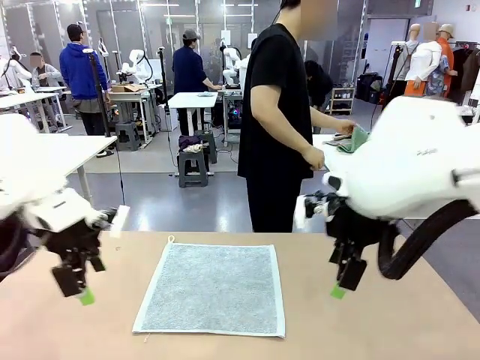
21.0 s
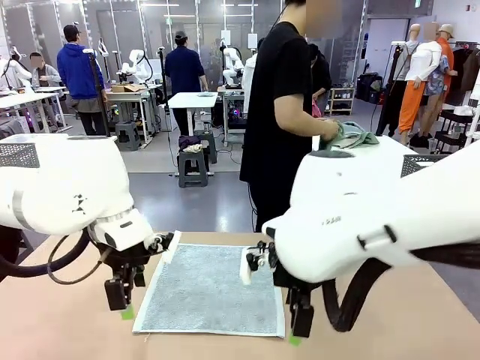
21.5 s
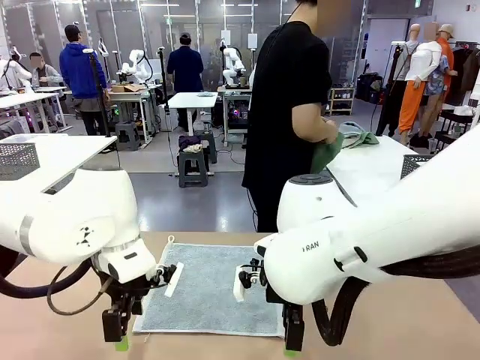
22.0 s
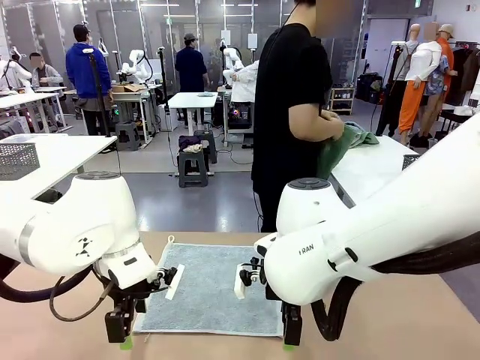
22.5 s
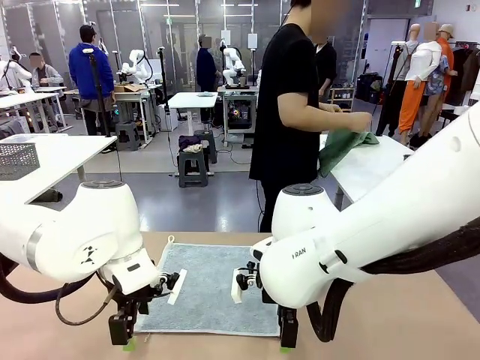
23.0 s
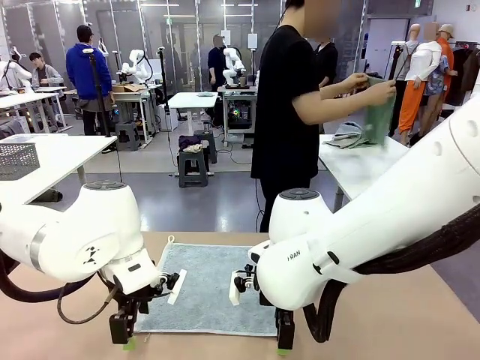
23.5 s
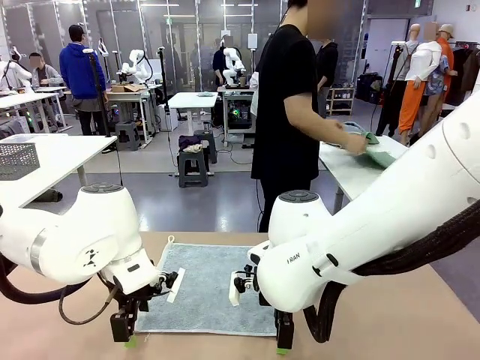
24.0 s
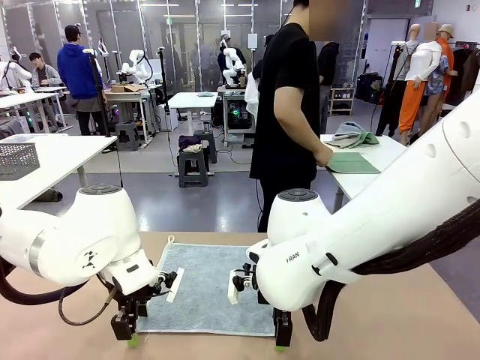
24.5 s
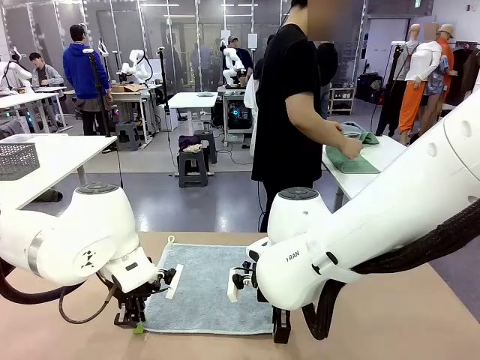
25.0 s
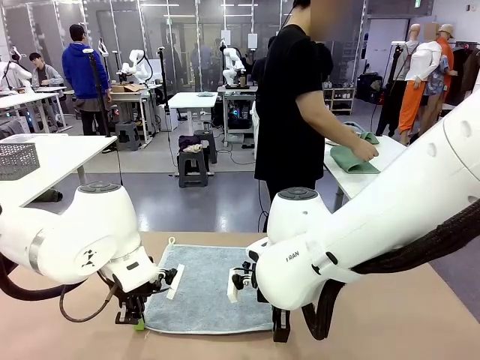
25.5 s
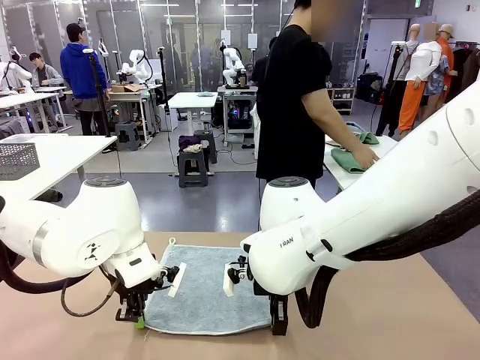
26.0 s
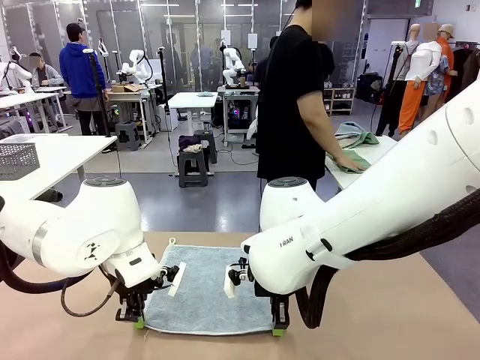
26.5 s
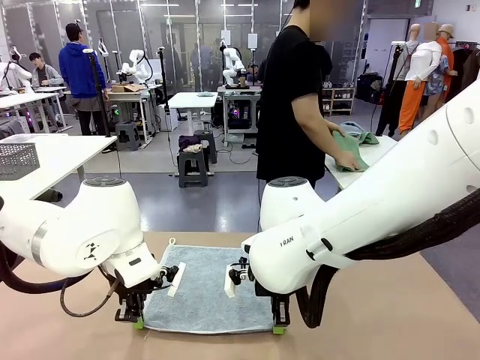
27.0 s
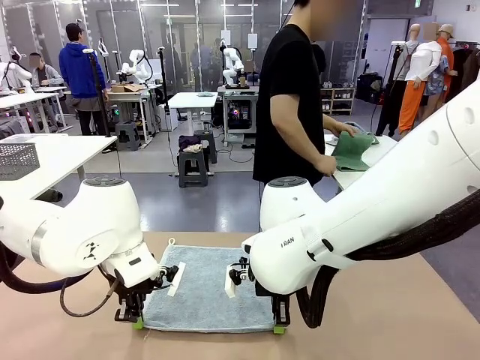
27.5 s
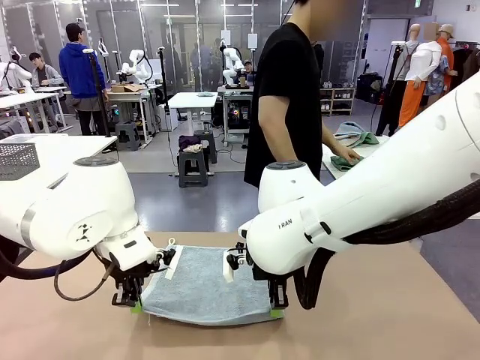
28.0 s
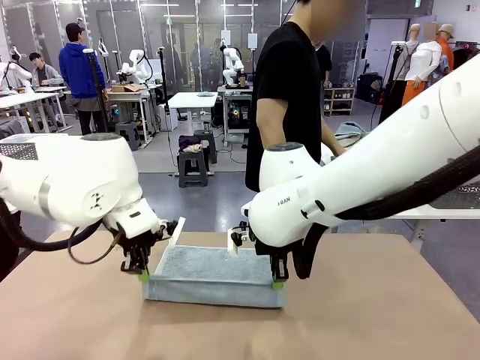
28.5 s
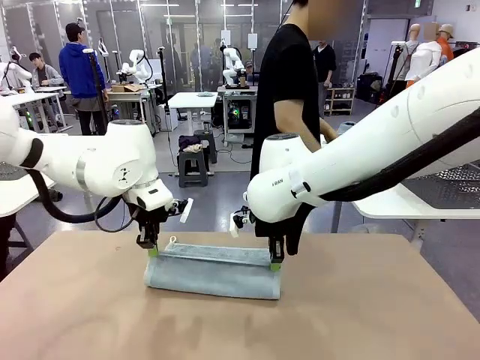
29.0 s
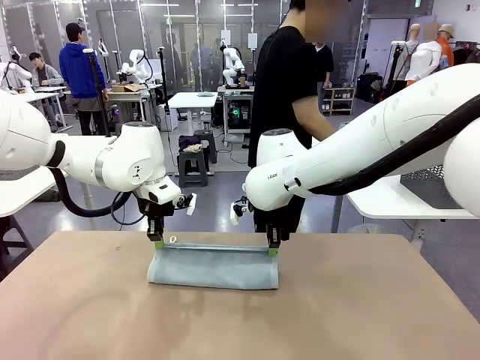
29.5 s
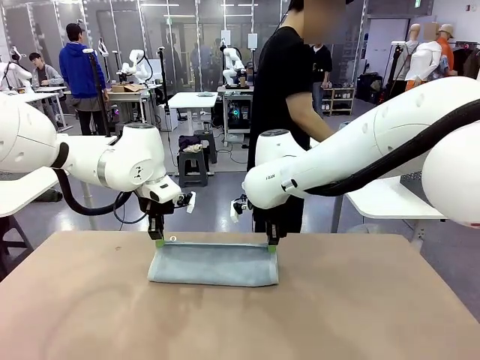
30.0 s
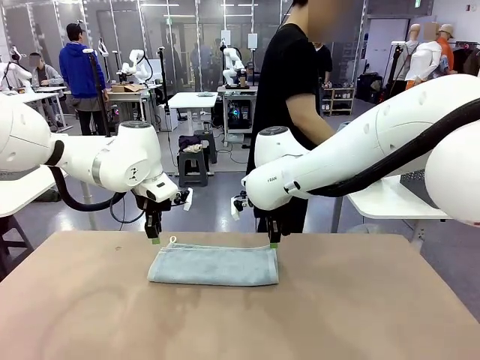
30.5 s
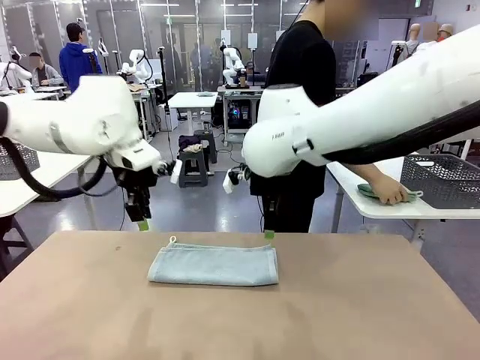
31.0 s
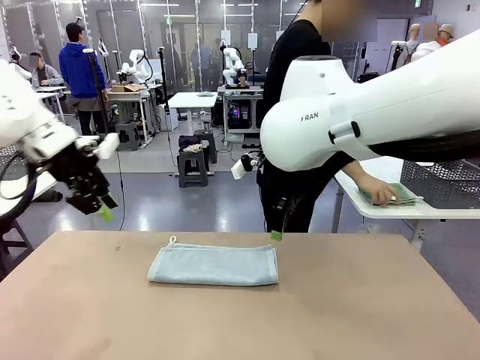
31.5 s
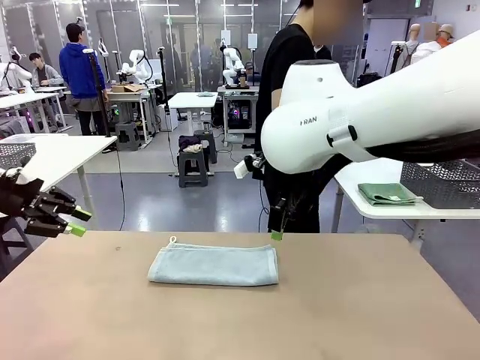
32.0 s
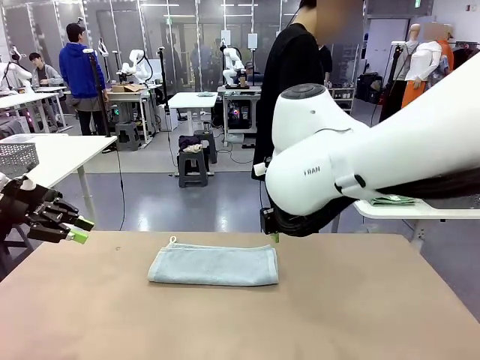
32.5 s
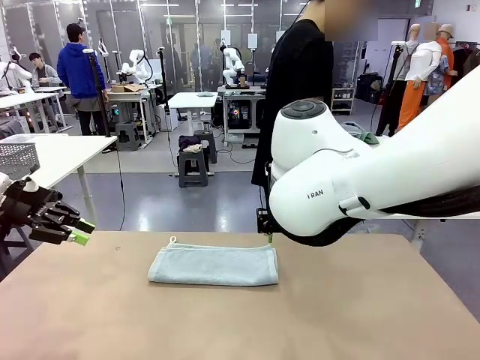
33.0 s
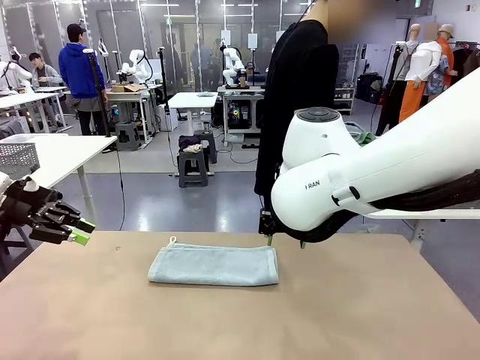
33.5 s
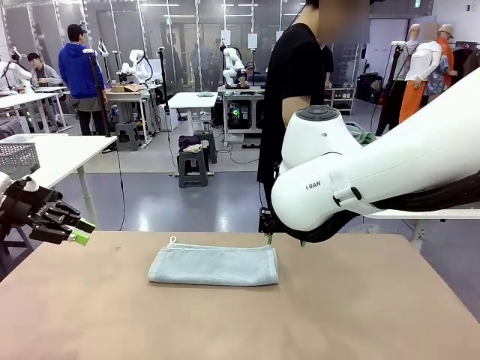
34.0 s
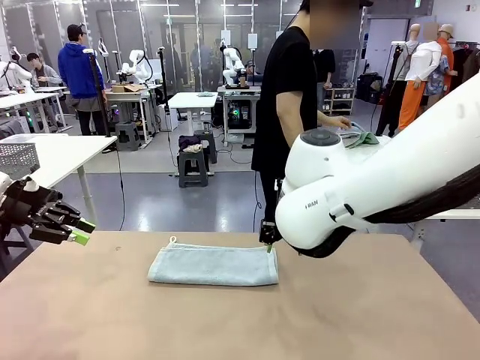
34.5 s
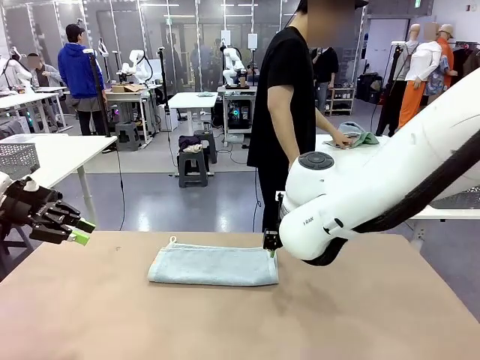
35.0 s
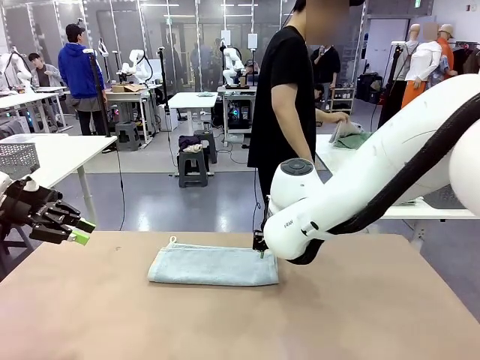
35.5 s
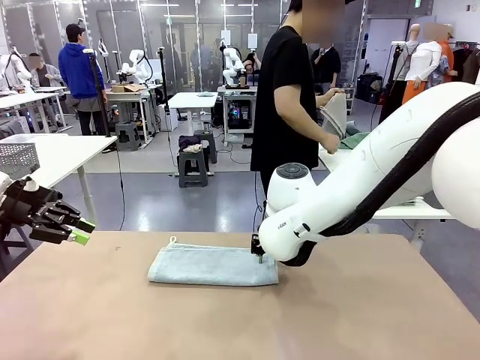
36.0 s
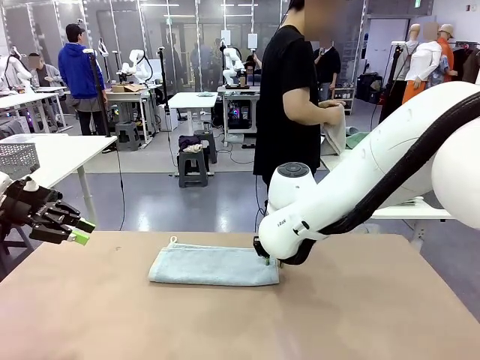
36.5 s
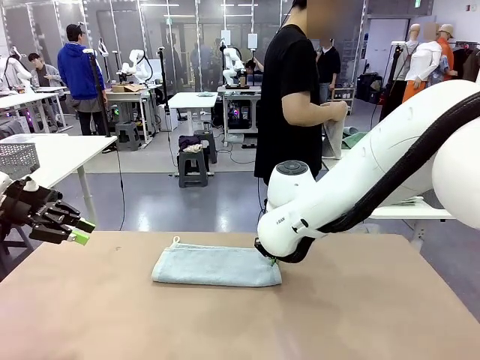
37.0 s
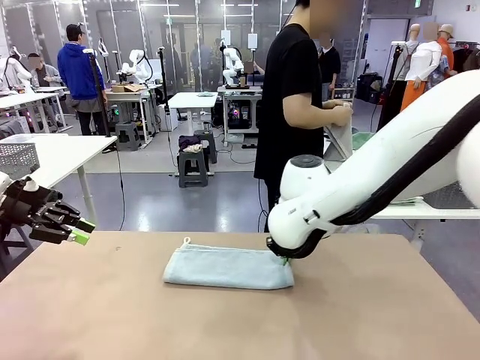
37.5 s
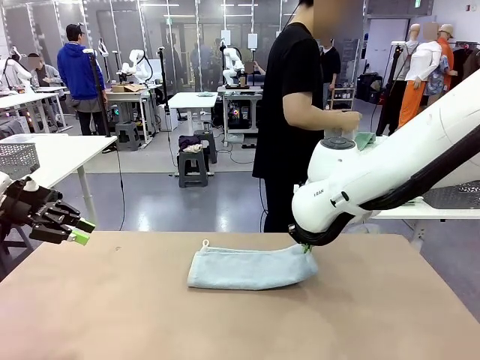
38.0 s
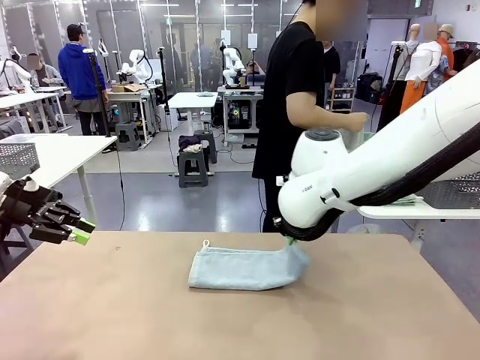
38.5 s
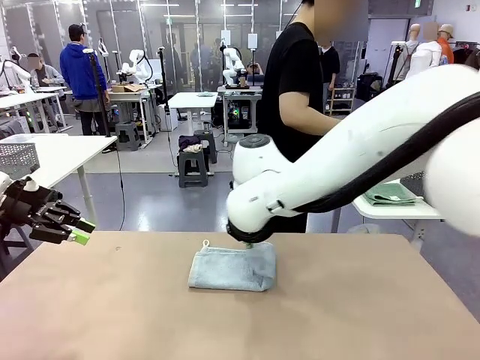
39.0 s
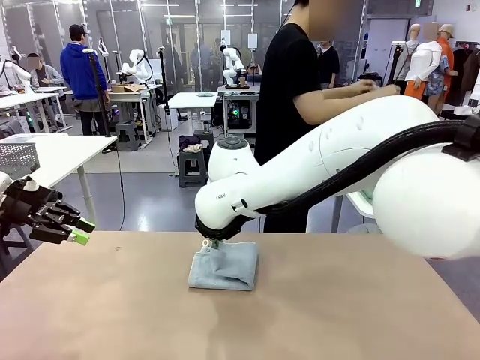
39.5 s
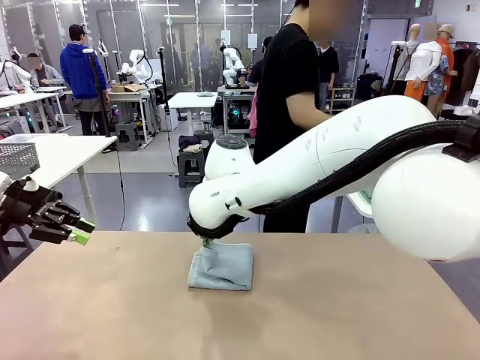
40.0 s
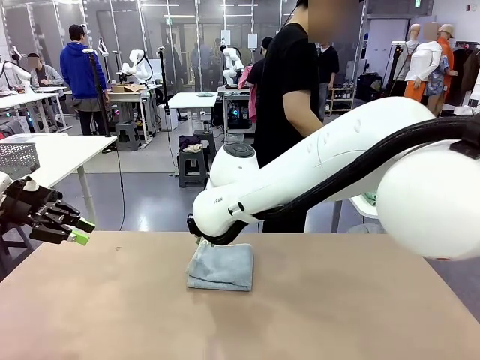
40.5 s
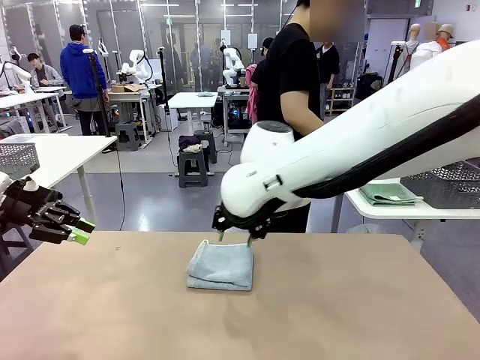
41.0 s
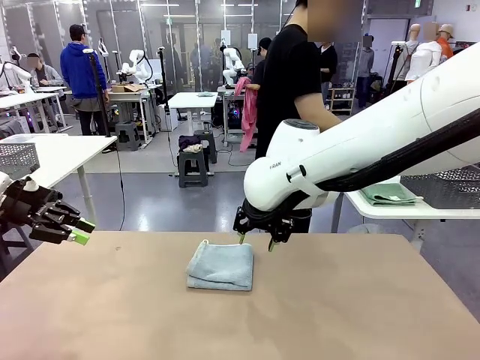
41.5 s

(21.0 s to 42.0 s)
Task: Fold the towels and place them in the basket.
Robot: When a person lays out a Towel with hook on the table, fold it in half twice.
Person: Pick up one towel from the left side of the human table, fold it in half twice, and place it on the right side of the table. Pick up one towel from the left side of the human table, fold it in half twice, and stack it on the right side of the table.

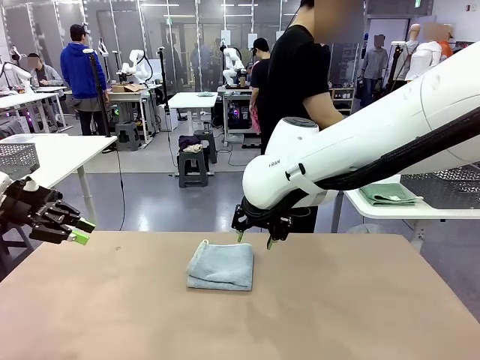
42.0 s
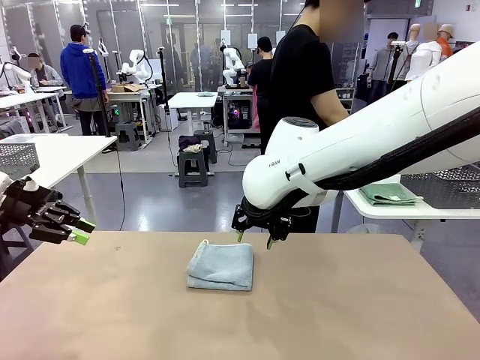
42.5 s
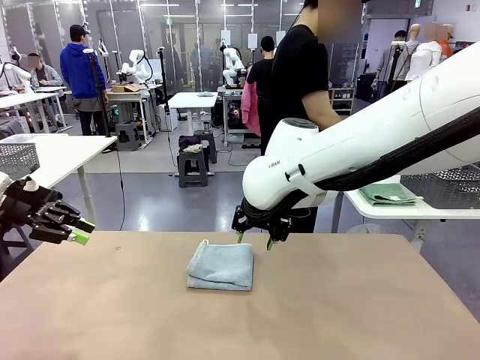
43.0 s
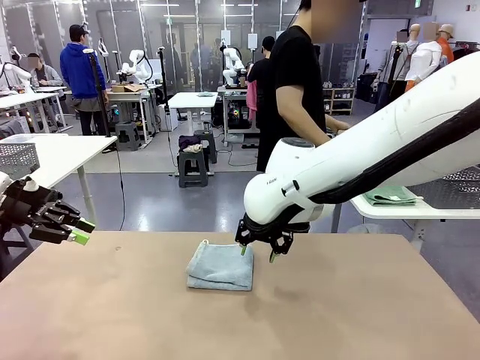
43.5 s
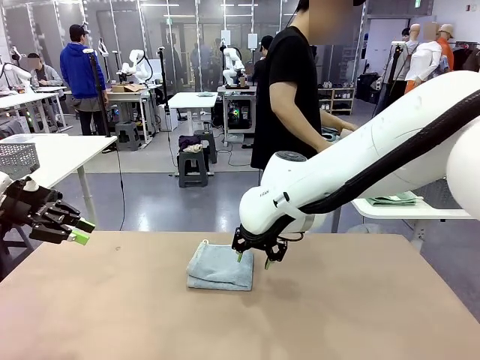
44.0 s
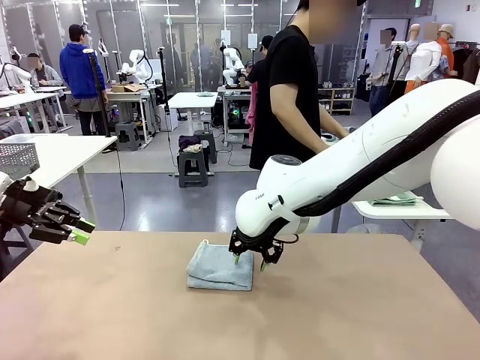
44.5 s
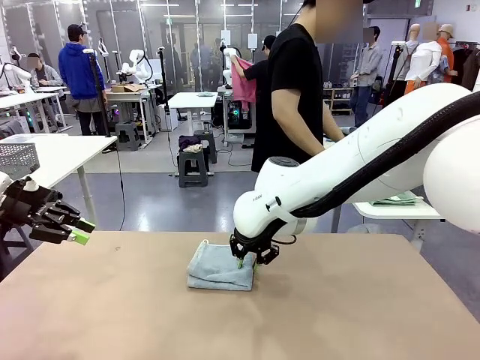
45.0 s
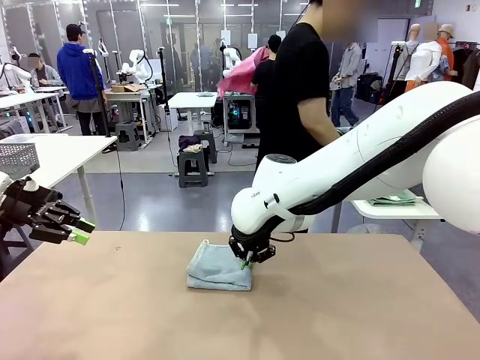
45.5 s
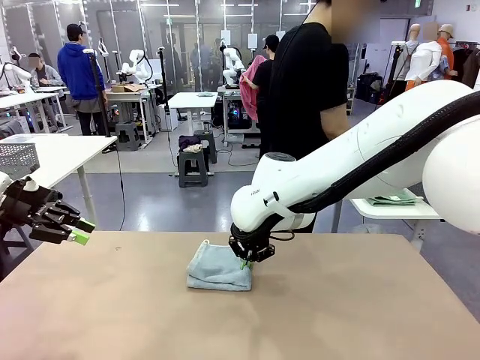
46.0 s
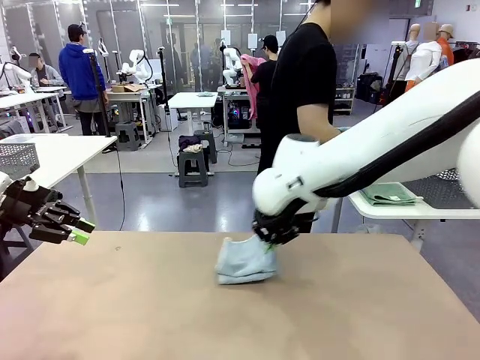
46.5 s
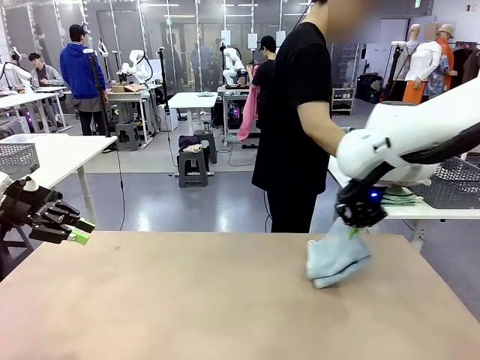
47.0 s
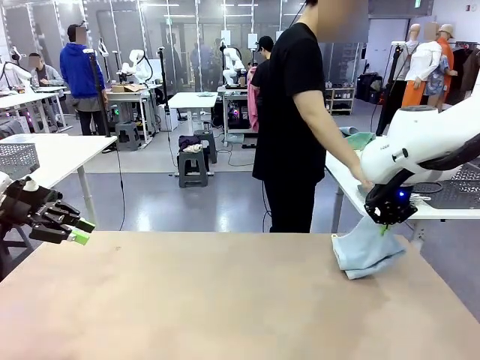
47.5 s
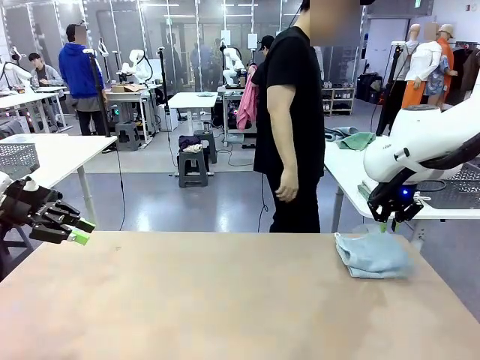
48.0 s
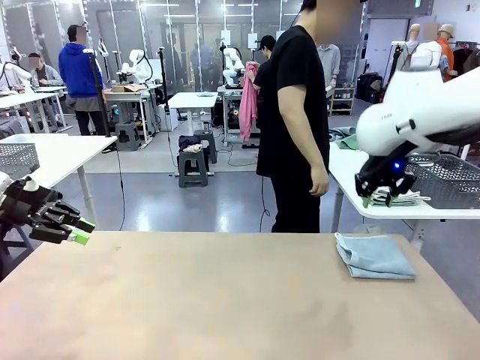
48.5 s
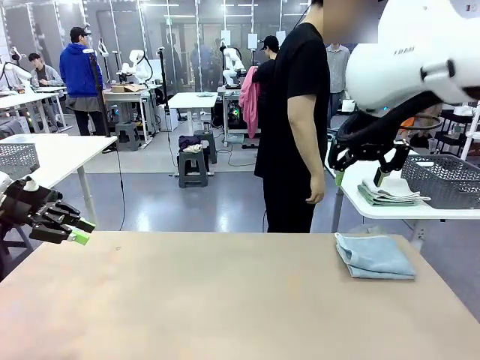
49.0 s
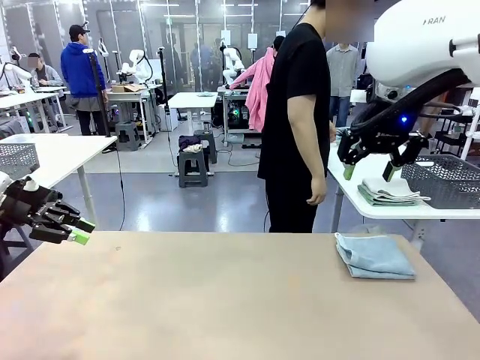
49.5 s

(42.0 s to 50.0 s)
Robot: Place the folded Towel with hook on the right side of the table.
